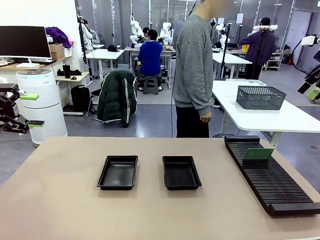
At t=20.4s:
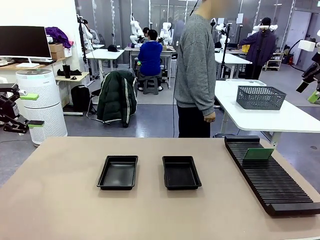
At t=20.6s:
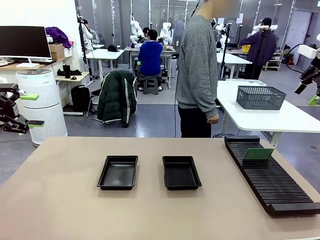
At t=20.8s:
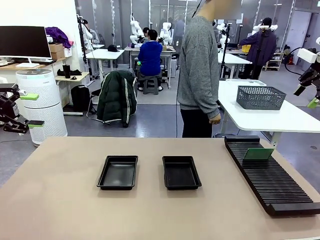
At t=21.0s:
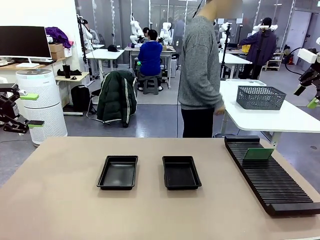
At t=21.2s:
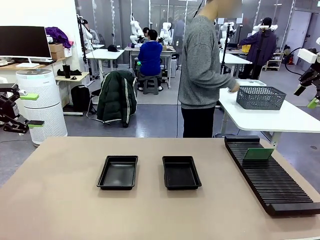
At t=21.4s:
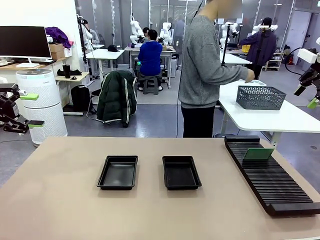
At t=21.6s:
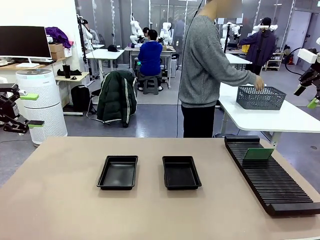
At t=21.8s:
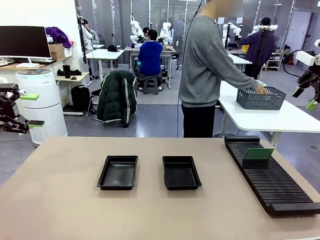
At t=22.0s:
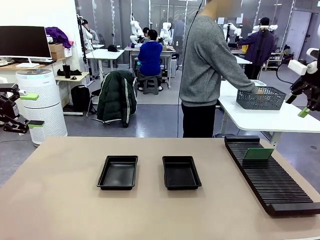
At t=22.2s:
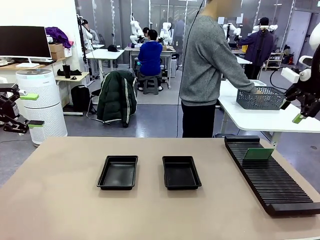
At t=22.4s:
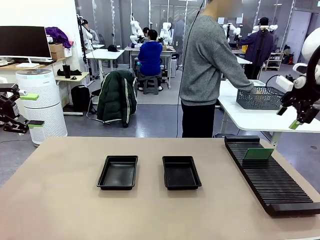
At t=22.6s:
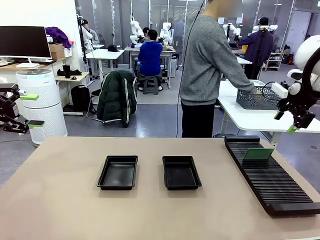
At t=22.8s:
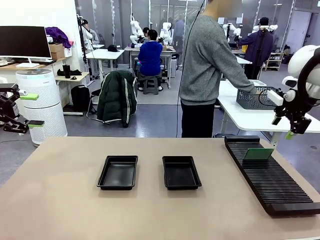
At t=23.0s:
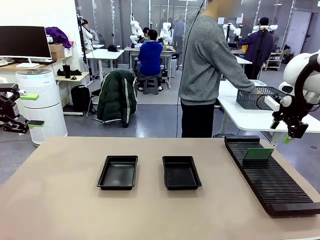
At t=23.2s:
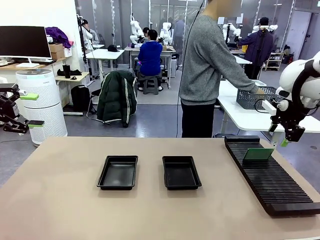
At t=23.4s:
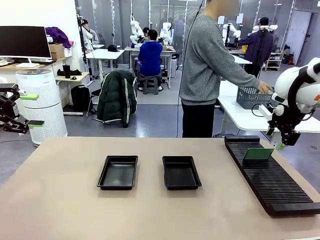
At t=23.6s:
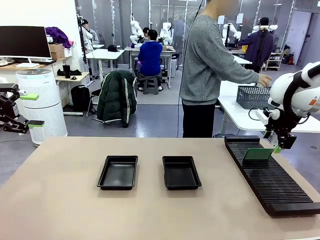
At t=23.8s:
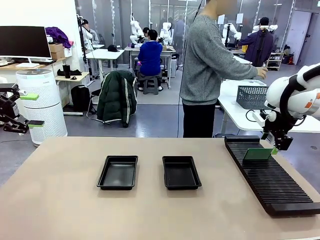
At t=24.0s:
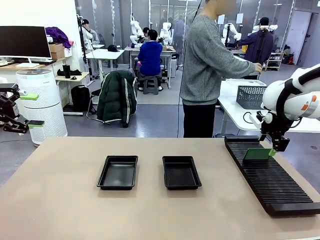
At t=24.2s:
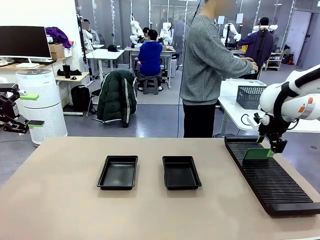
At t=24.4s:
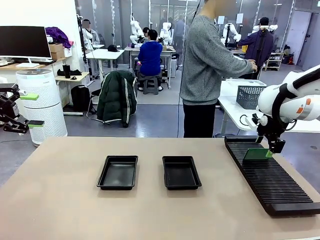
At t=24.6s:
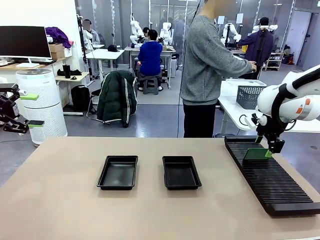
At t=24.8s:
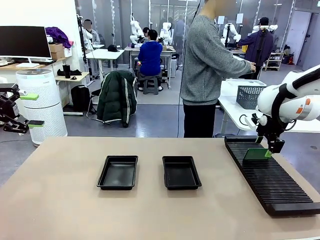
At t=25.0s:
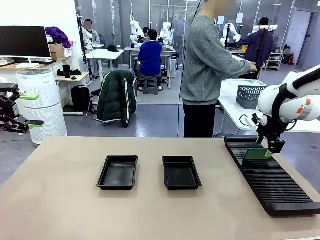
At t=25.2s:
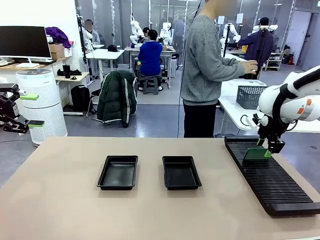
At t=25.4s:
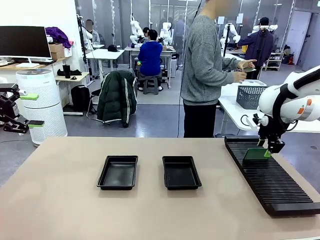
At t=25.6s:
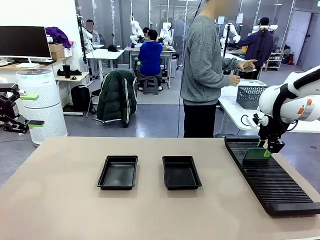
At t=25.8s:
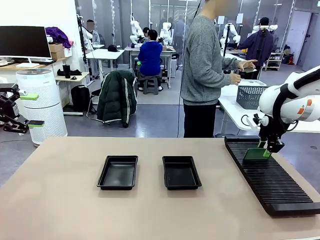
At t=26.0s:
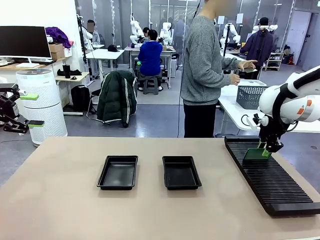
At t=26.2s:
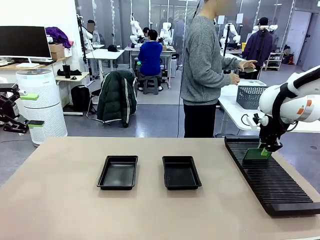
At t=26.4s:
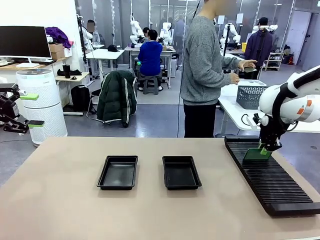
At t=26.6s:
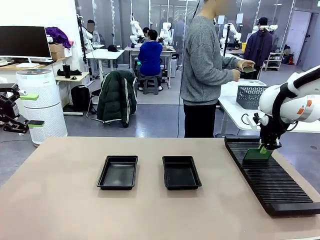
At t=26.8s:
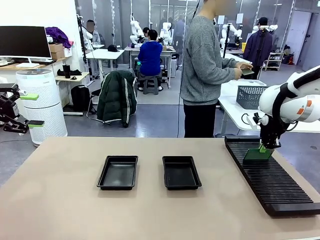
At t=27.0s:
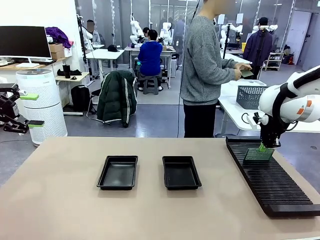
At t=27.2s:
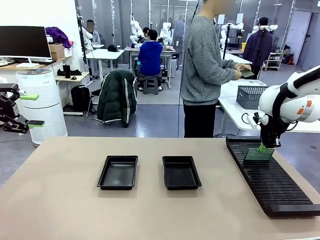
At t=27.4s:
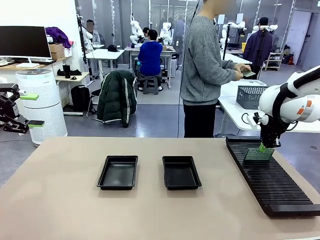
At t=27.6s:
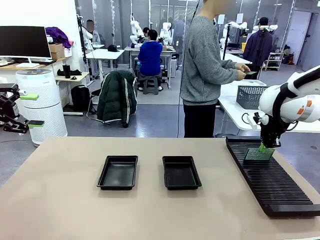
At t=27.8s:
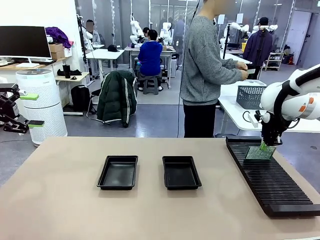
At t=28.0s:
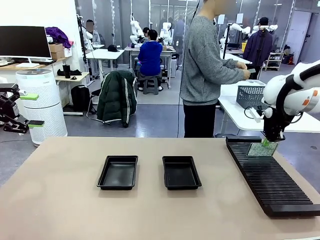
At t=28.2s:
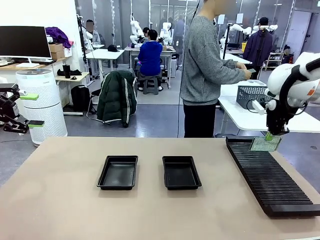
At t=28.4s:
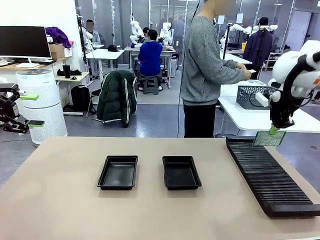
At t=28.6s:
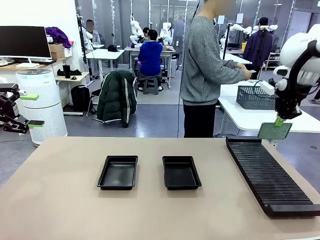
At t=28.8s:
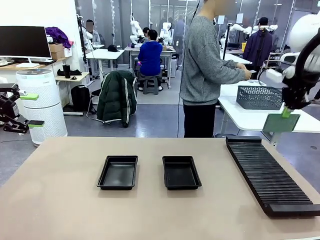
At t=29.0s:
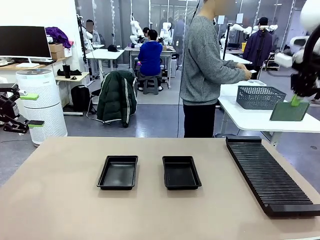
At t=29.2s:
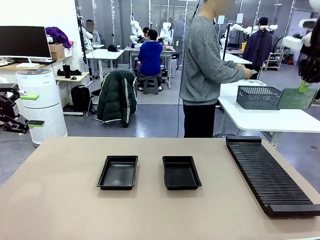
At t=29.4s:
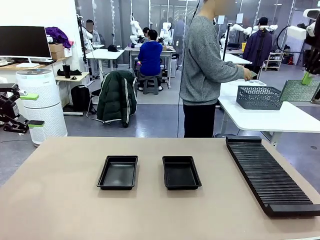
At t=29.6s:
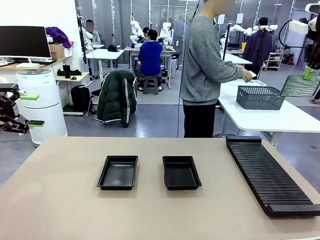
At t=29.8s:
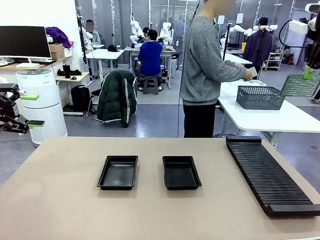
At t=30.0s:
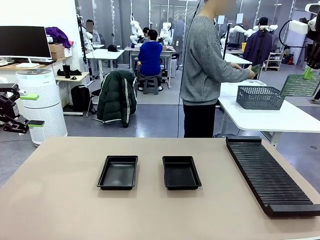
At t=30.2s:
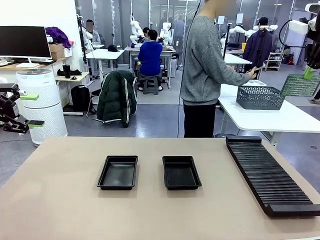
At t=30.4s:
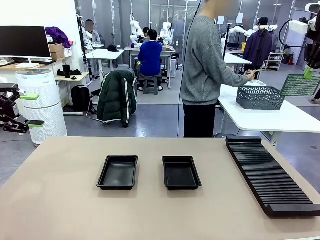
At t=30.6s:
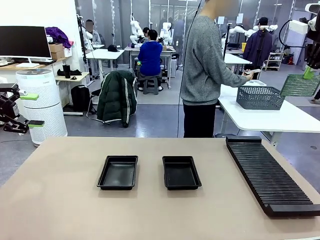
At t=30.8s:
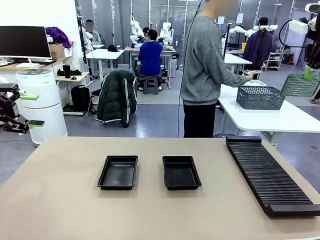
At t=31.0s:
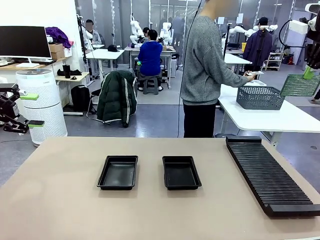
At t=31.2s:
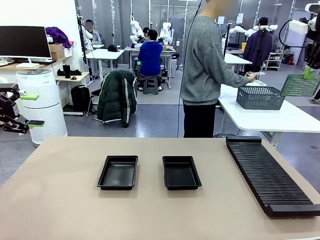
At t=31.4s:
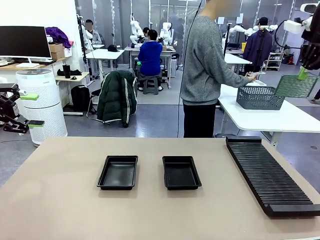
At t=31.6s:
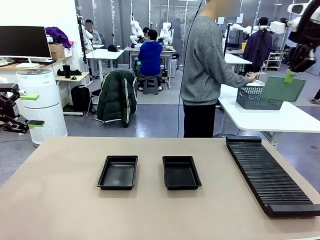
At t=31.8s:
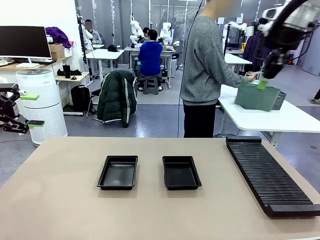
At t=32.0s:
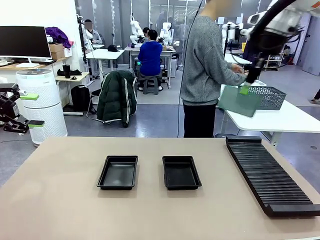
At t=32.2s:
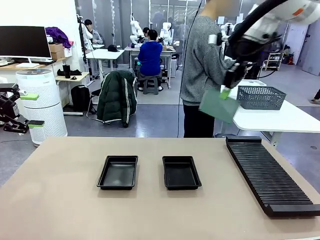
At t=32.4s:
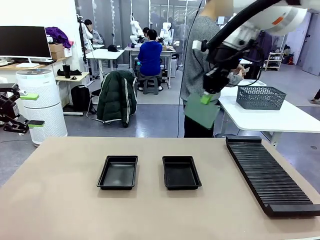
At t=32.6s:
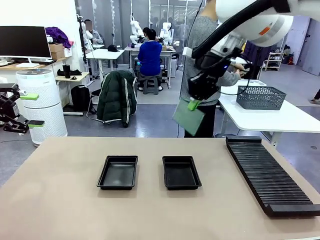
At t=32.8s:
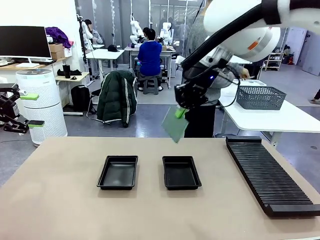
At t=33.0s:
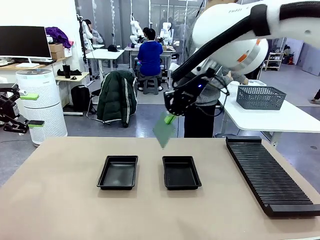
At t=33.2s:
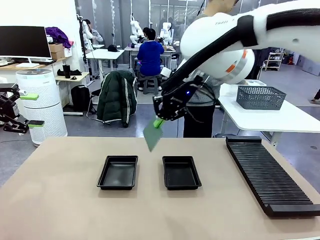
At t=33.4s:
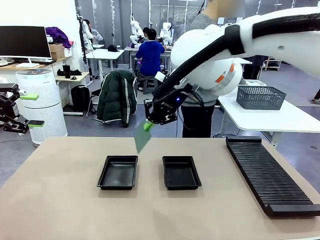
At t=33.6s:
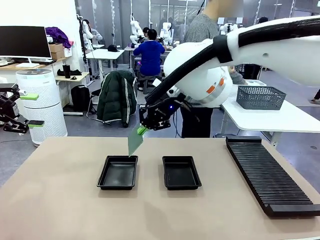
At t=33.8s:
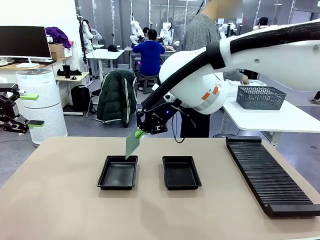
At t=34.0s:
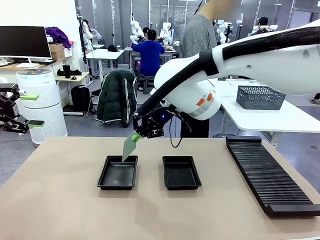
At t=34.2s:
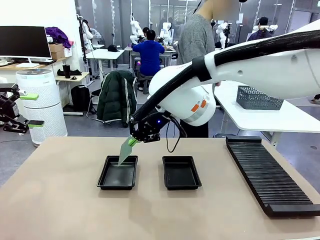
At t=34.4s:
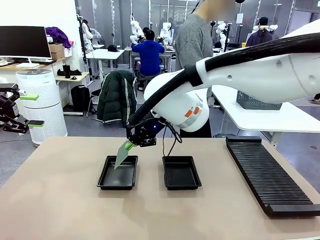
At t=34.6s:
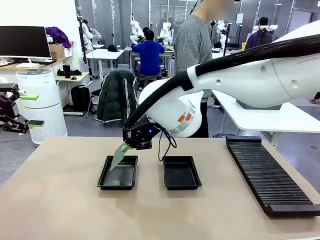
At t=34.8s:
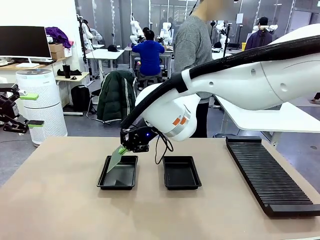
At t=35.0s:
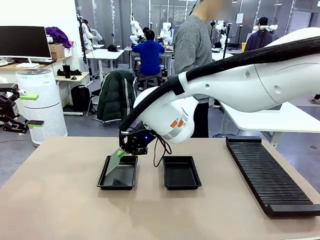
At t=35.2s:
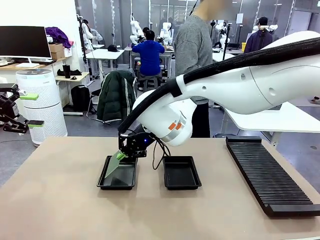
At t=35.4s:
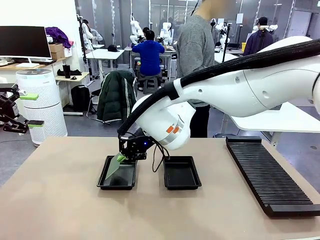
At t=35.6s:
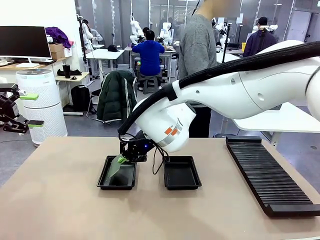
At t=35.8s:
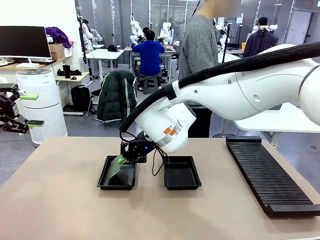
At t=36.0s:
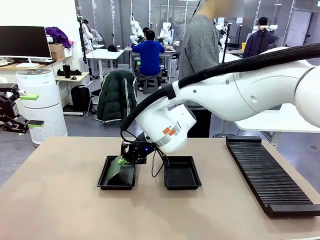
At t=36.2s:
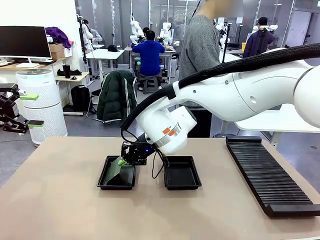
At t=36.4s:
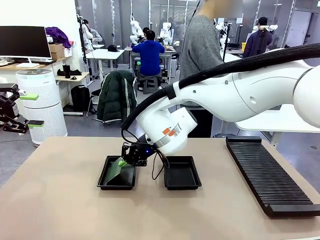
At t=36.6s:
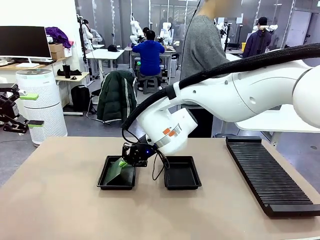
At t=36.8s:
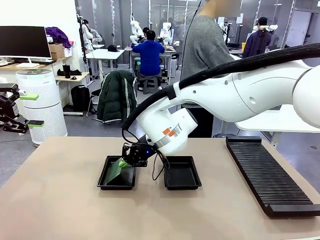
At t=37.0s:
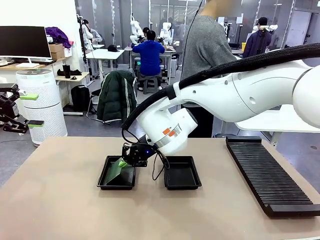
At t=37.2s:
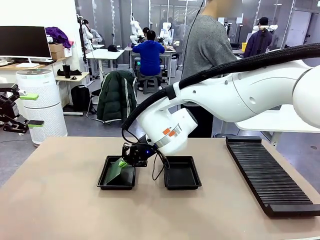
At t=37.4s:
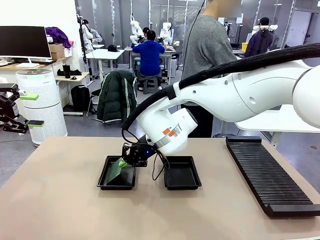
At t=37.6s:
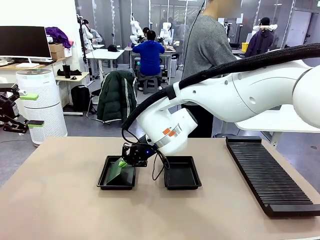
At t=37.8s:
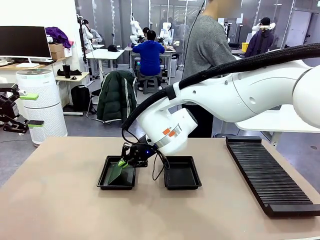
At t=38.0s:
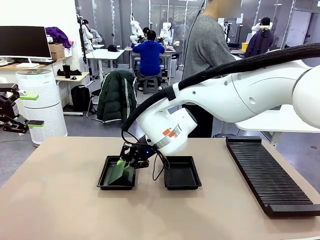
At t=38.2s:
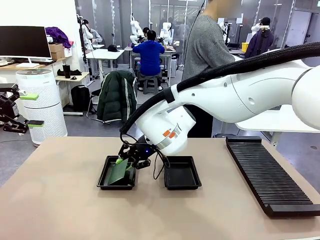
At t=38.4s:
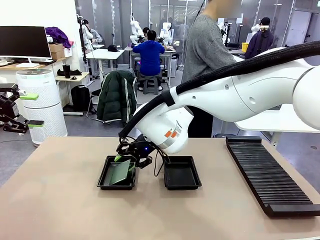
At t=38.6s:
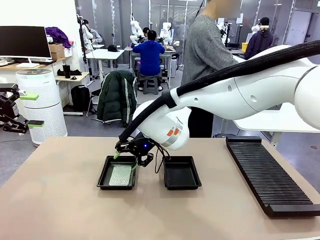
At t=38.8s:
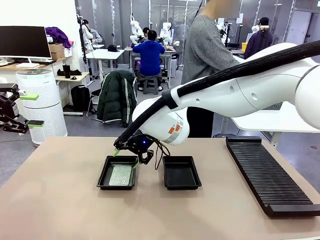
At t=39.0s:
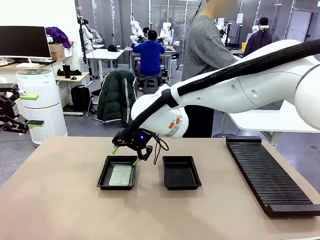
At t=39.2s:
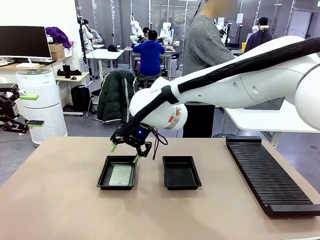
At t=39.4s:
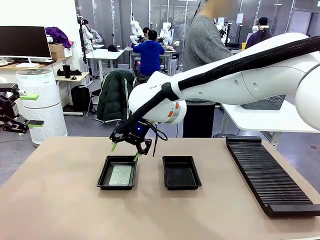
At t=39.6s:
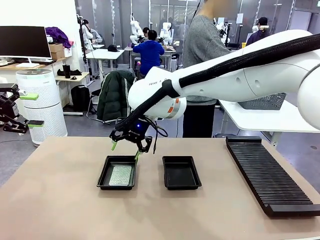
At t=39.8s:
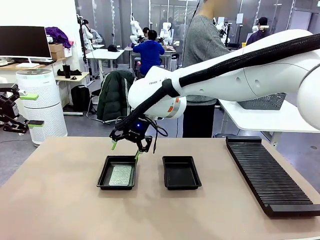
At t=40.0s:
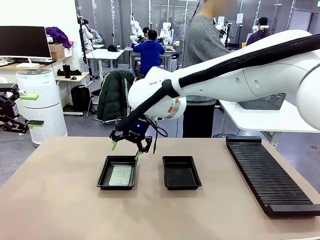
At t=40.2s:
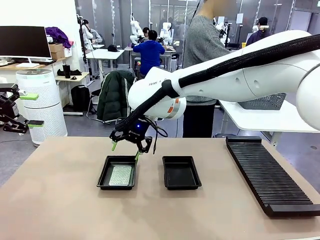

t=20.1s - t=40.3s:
Task: Inspect and transfer BCBs to ESD trays.
Robot: Pick up the Blank PCB from the PCB Rack and place it in the left ESD tray.
